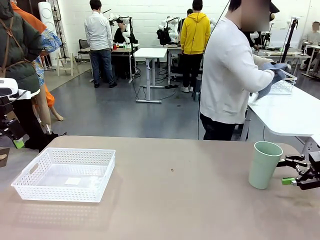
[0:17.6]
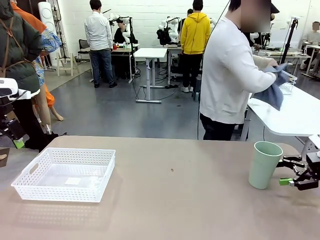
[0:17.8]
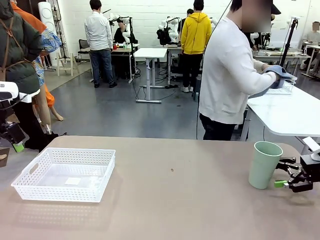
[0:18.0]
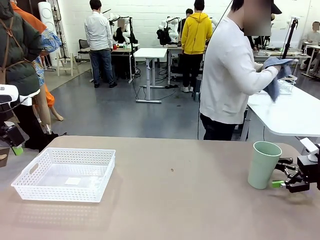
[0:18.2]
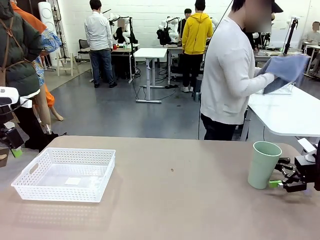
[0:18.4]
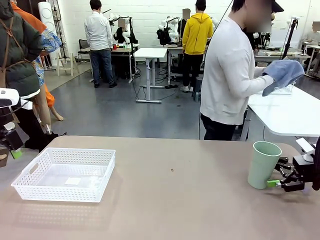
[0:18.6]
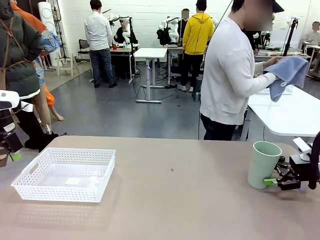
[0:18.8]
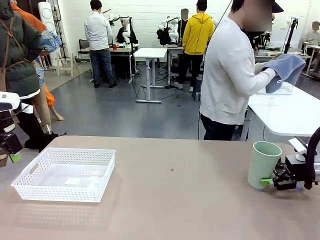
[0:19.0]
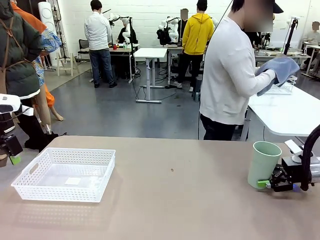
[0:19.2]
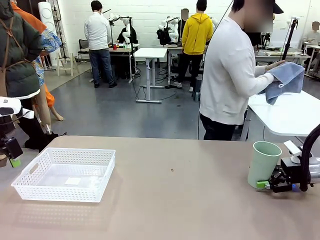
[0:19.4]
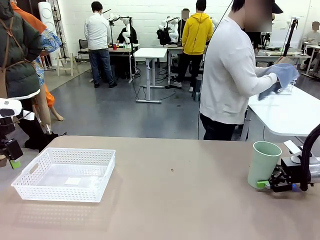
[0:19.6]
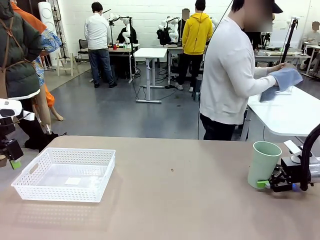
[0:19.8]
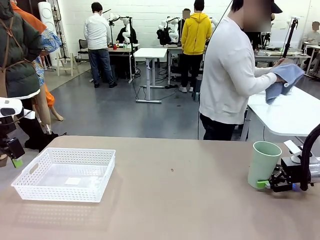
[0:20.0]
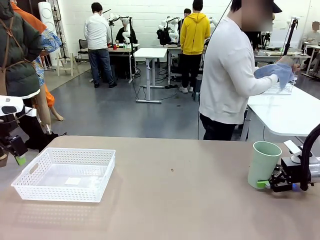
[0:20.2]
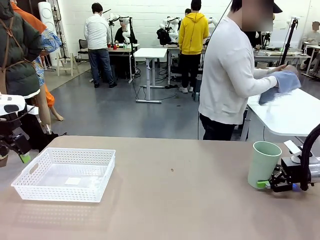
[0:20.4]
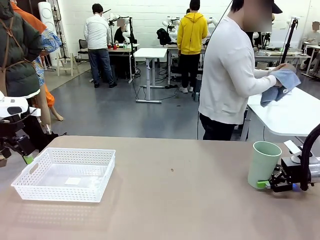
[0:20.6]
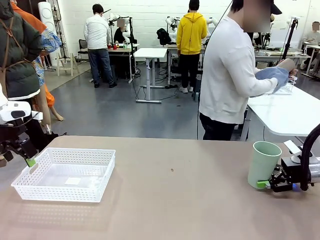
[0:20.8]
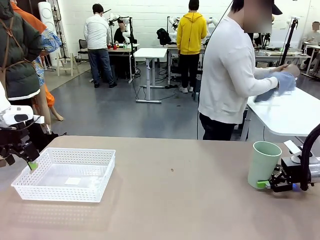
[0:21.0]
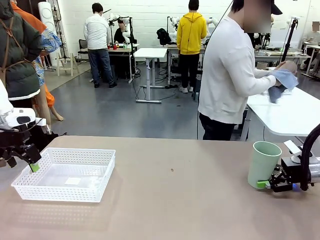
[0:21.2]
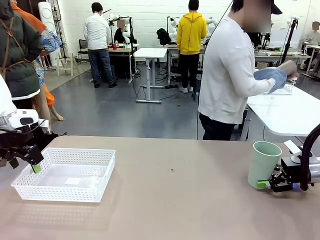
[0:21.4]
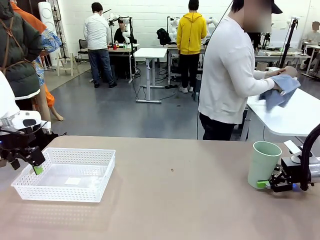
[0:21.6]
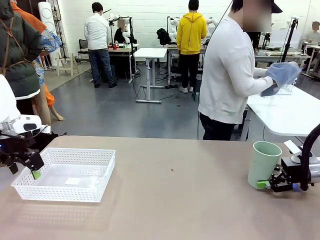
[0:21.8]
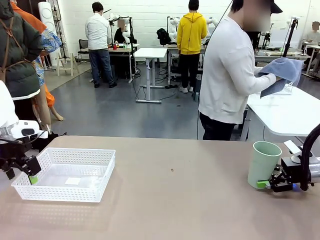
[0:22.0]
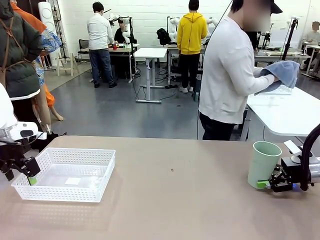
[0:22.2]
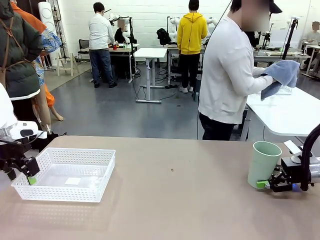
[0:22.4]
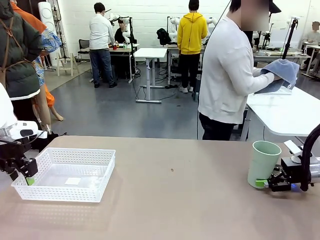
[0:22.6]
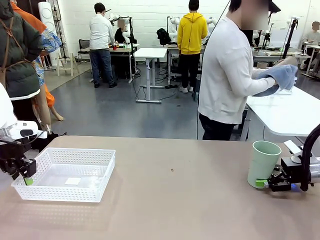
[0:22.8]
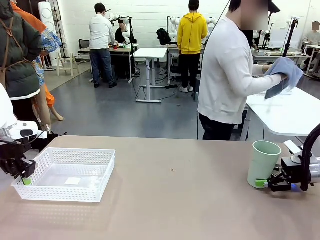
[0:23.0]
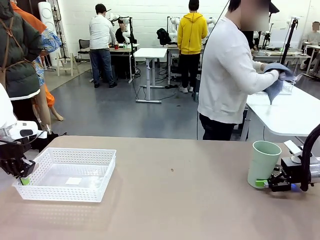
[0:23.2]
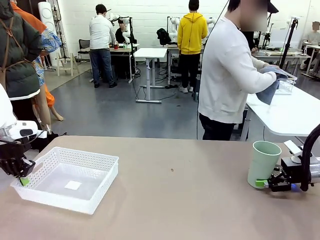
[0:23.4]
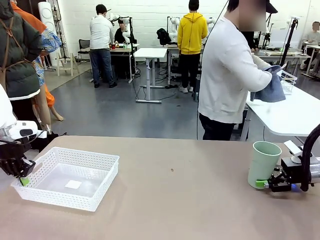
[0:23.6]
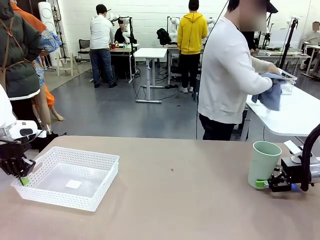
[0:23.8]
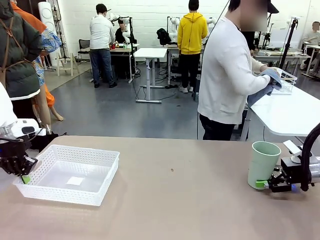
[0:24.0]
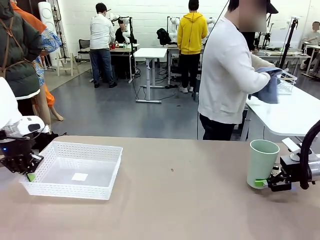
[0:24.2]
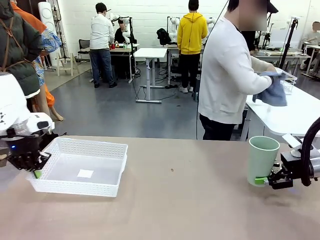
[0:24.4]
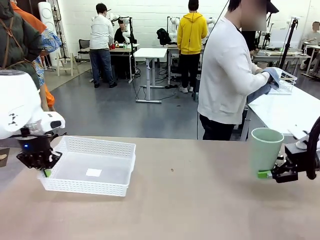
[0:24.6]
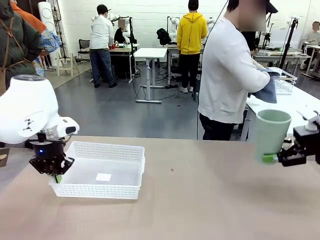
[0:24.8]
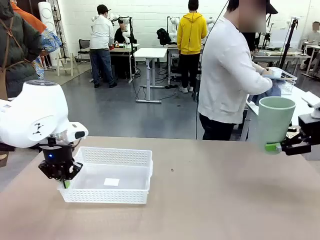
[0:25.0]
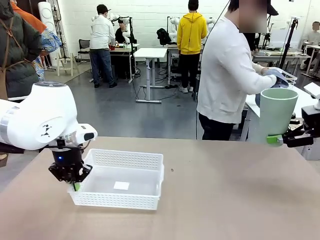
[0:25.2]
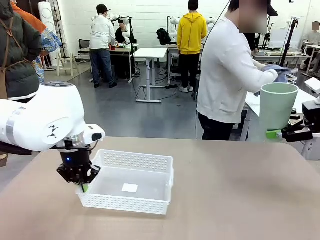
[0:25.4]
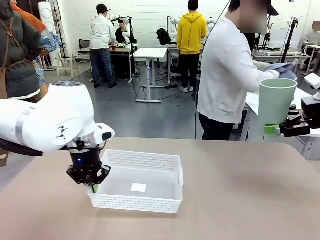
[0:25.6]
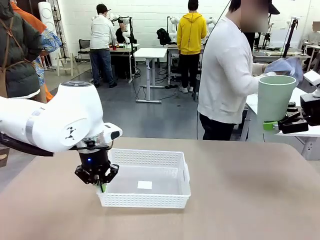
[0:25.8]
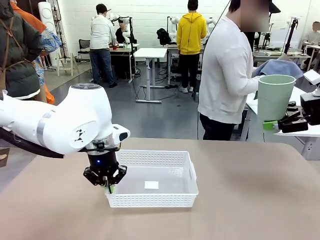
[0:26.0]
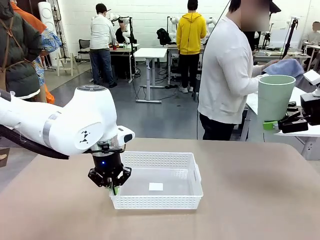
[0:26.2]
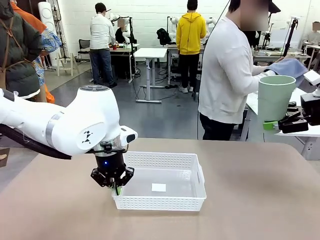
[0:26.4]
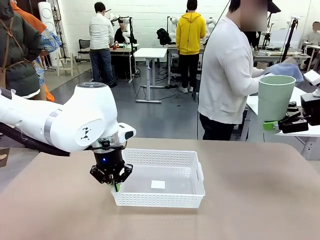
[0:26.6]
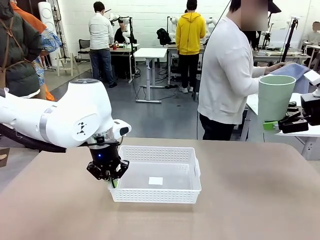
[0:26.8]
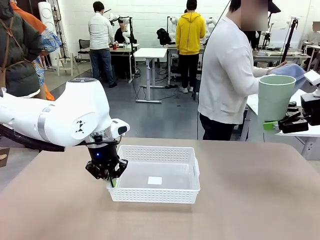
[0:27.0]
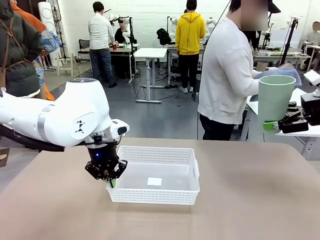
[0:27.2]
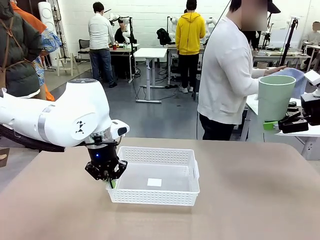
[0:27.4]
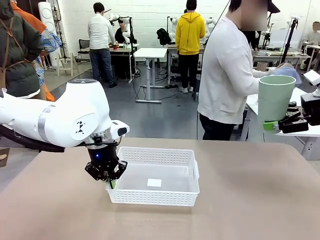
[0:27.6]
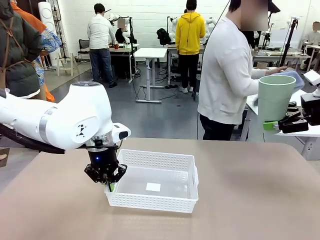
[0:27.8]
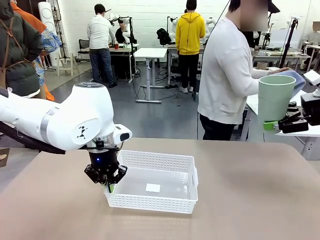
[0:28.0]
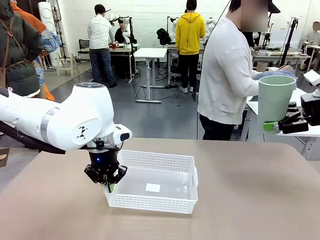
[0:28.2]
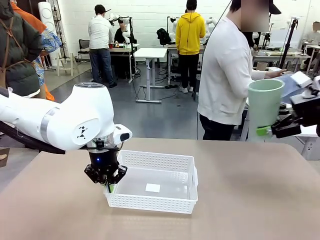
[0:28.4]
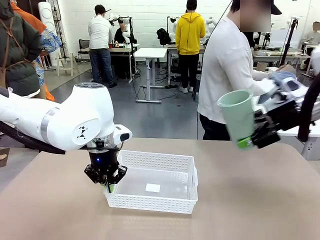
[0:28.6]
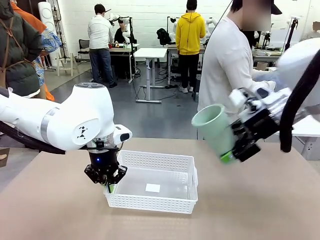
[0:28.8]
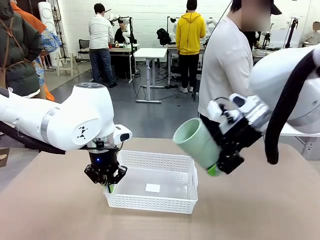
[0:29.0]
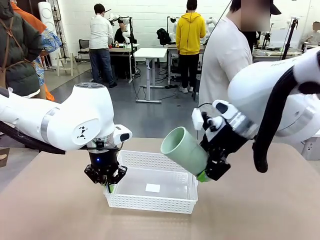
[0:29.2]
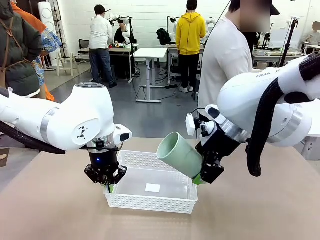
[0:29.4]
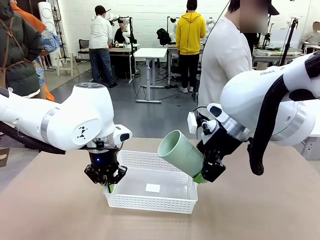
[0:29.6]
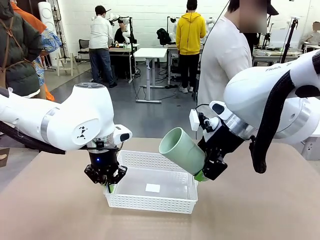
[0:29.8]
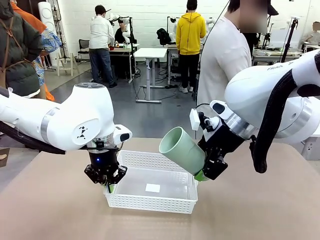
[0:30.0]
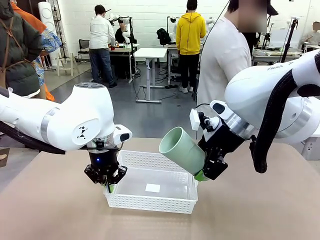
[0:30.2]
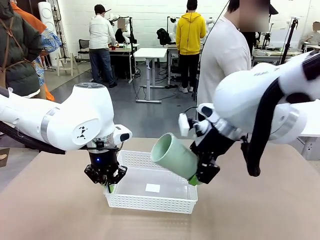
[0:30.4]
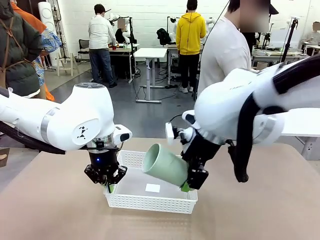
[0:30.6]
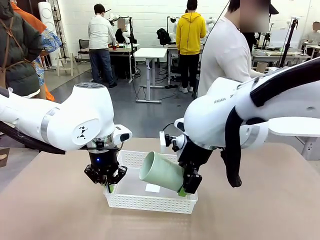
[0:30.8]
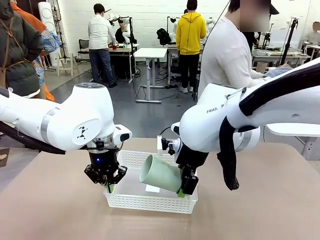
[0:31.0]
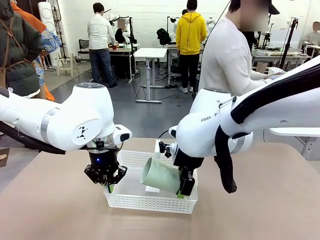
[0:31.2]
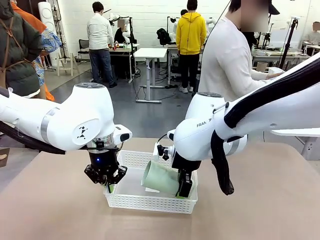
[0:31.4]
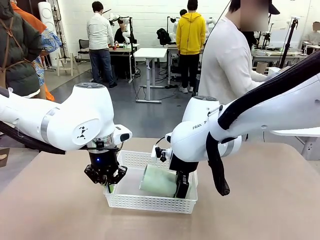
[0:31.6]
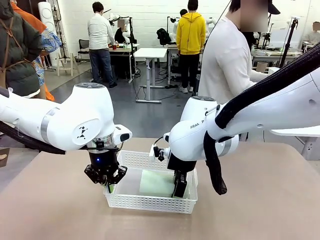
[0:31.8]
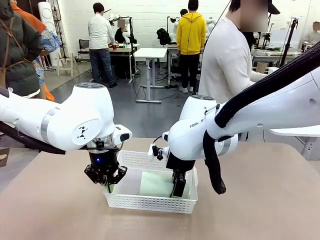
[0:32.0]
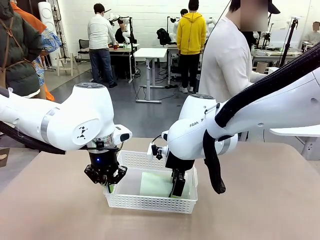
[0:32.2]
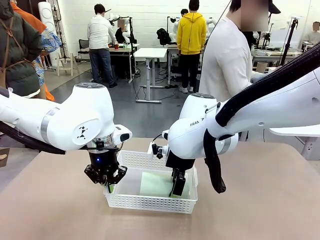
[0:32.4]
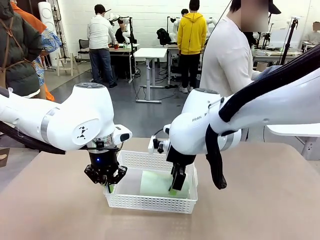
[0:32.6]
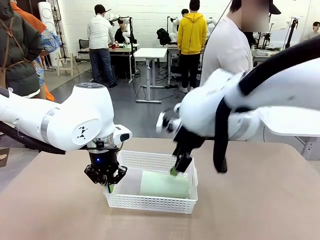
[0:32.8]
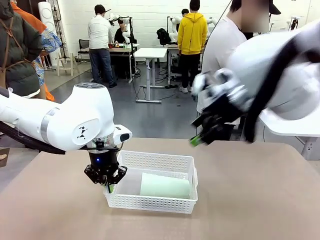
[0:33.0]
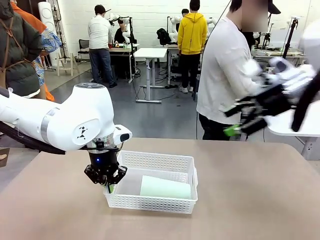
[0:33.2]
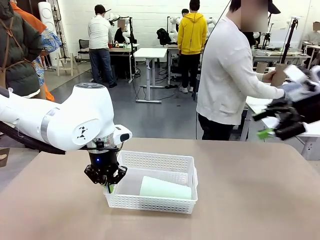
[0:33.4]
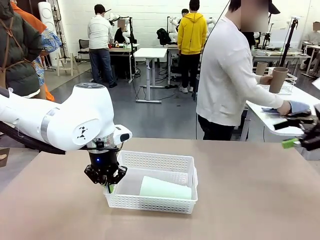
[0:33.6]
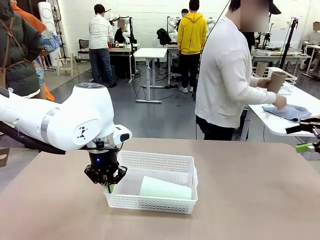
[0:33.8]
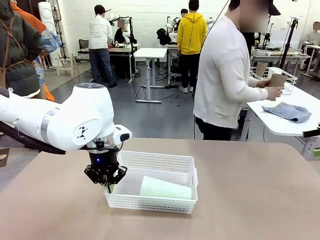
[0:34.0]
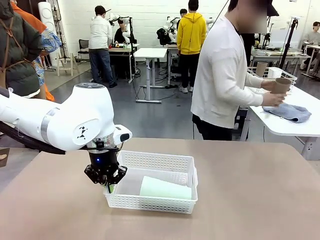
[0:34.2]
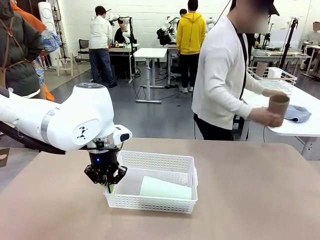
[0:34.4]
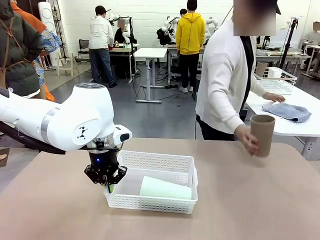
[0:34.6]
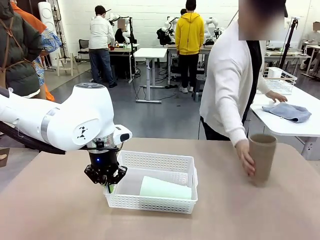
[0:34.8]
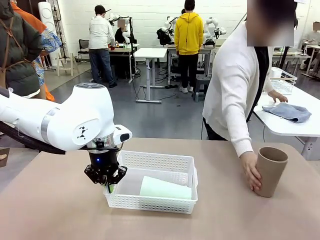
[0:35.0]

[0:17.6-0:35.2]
Task: Clean and organize the cups into the basket.
Robot: Pick up the Organizing basket and move it to the center of the table, then pick up the Reusable plastic cup from the right side of the table and place it inside the Organizing basket.
